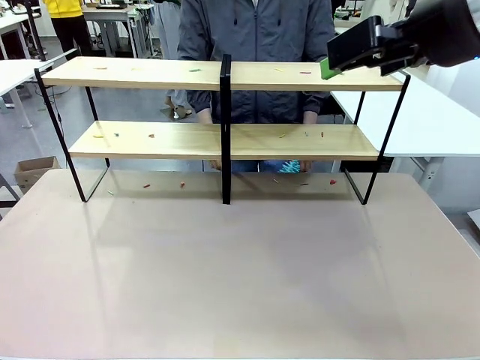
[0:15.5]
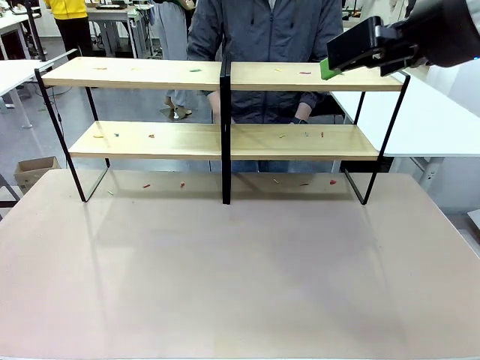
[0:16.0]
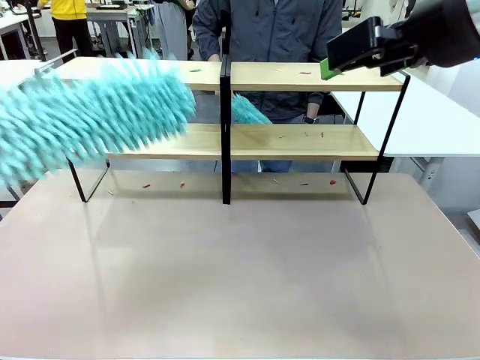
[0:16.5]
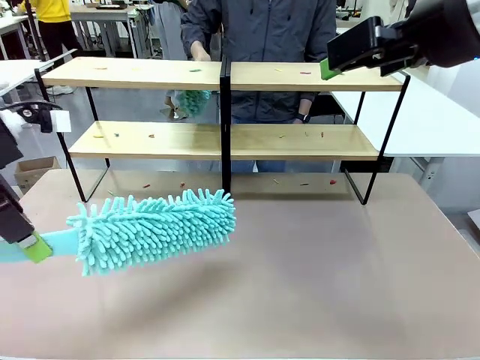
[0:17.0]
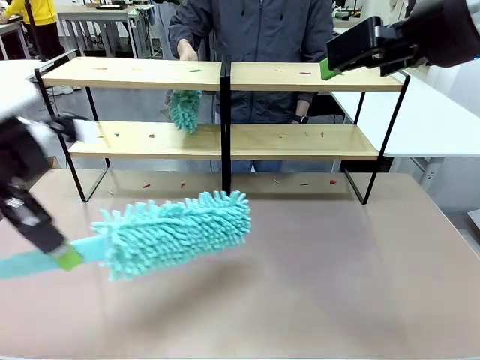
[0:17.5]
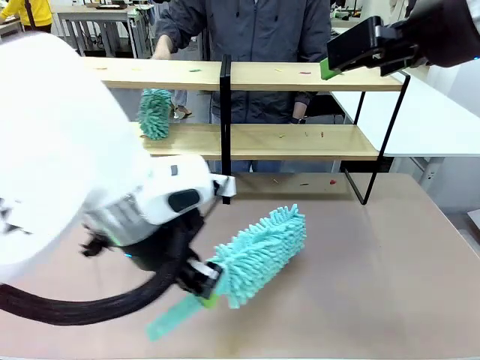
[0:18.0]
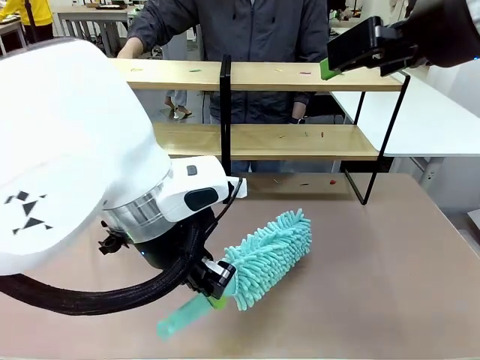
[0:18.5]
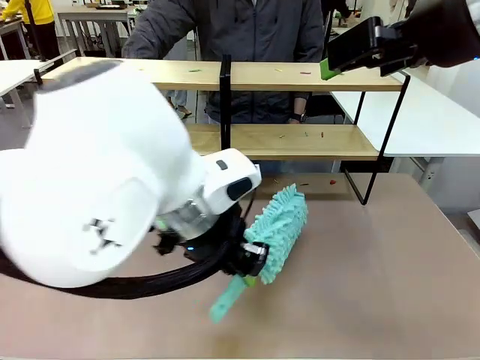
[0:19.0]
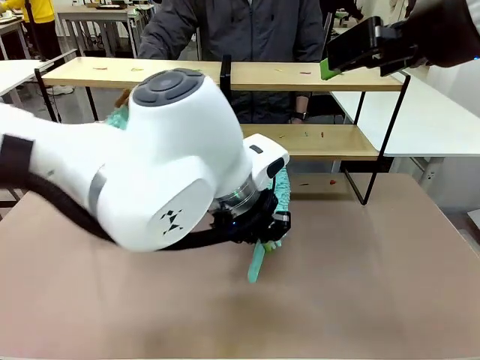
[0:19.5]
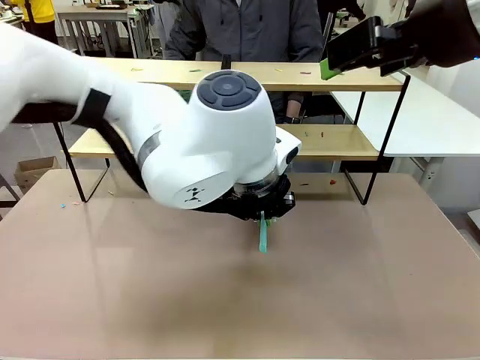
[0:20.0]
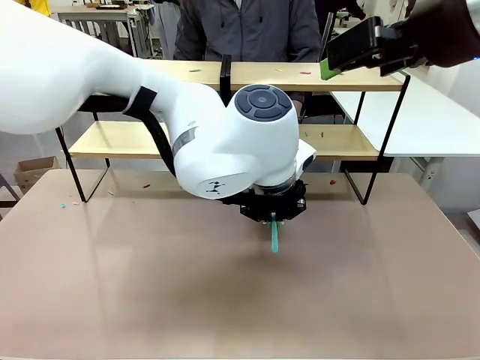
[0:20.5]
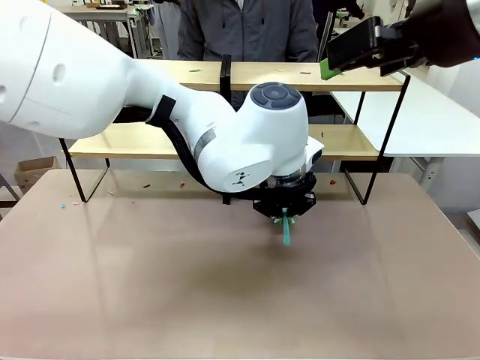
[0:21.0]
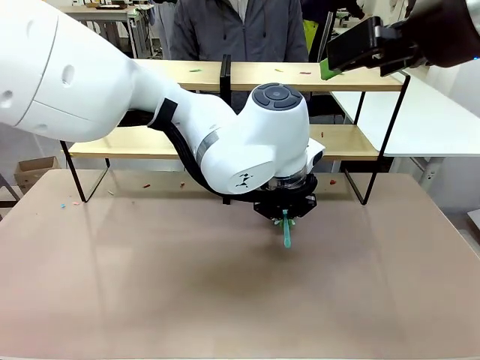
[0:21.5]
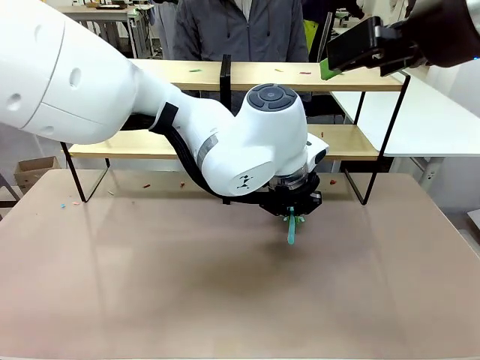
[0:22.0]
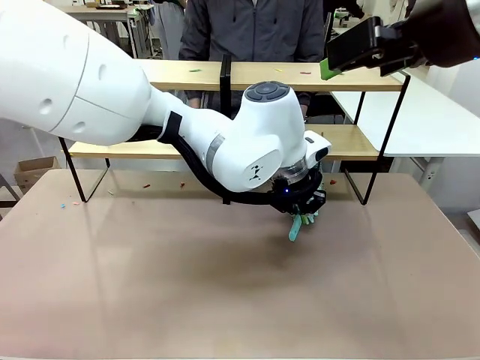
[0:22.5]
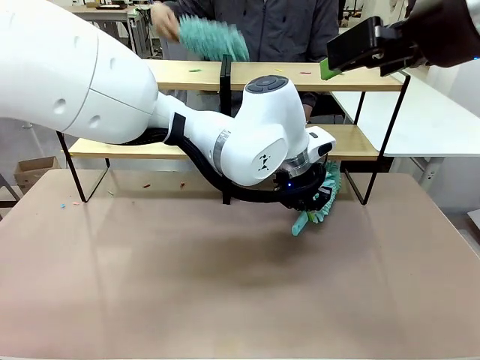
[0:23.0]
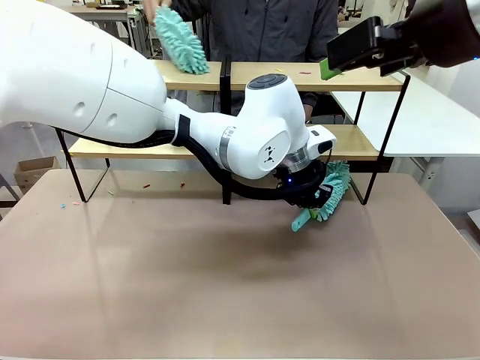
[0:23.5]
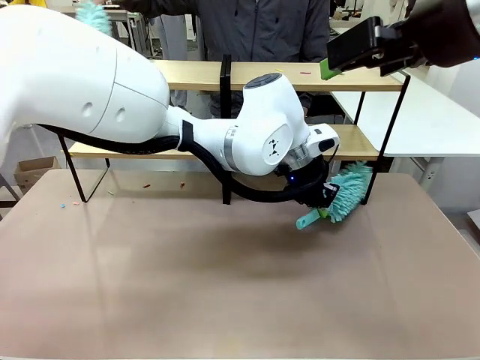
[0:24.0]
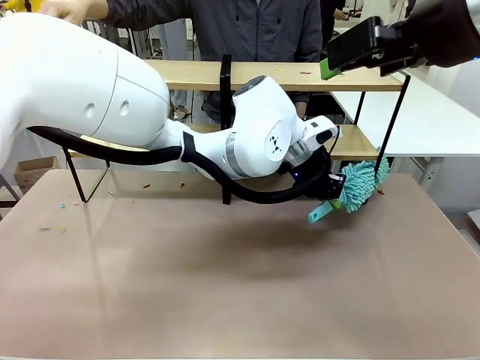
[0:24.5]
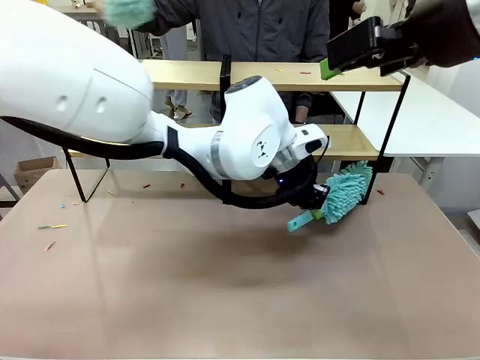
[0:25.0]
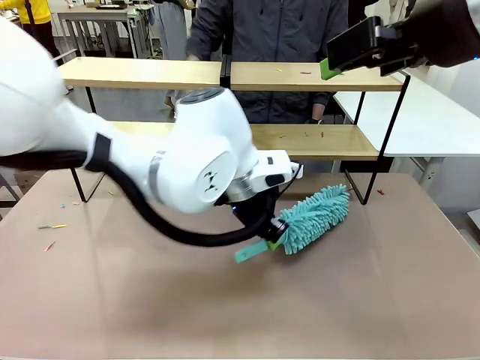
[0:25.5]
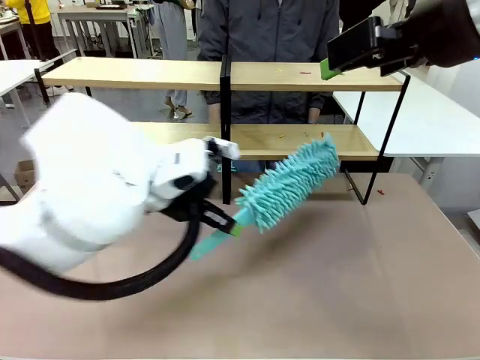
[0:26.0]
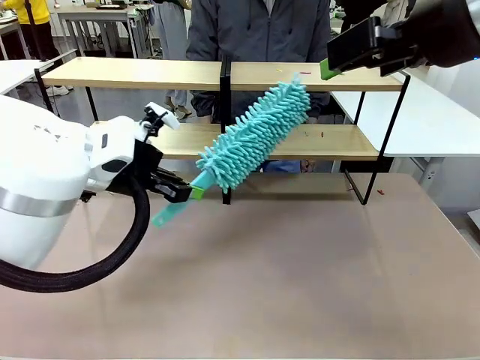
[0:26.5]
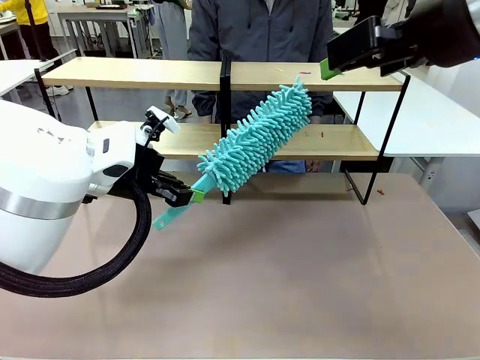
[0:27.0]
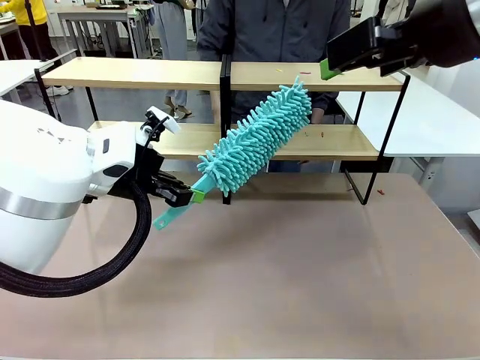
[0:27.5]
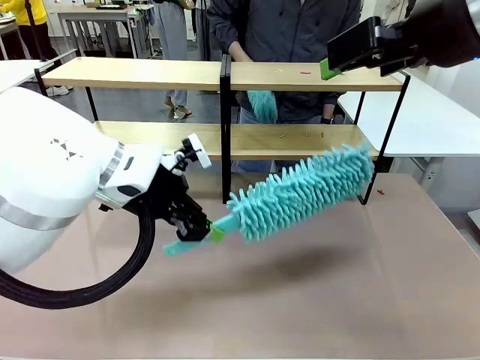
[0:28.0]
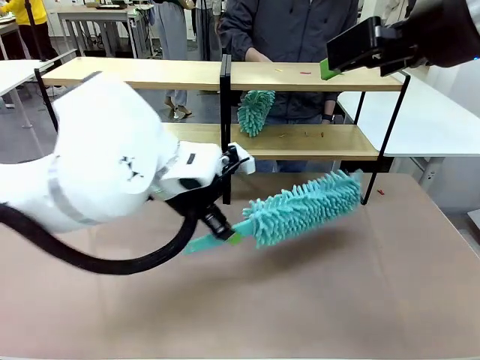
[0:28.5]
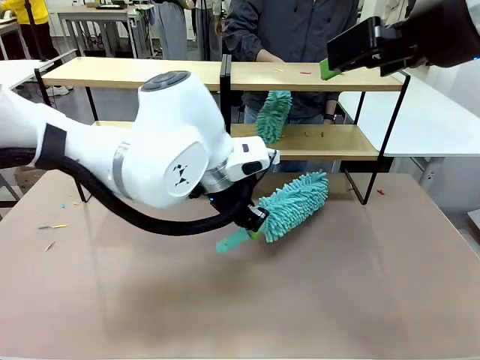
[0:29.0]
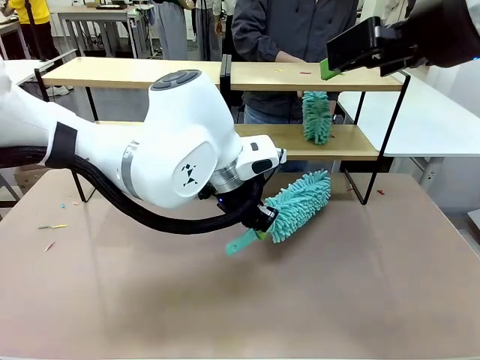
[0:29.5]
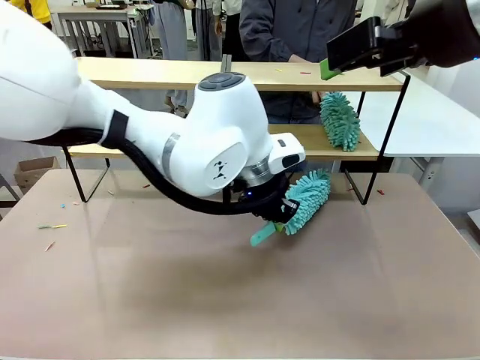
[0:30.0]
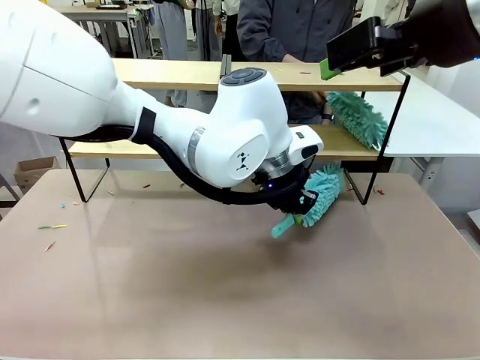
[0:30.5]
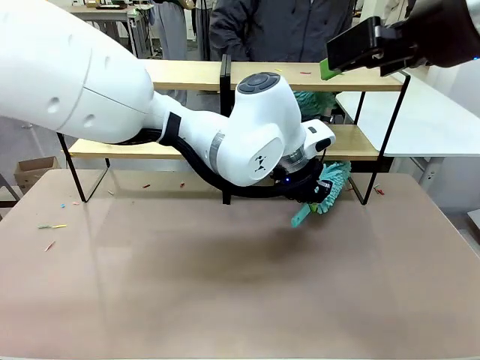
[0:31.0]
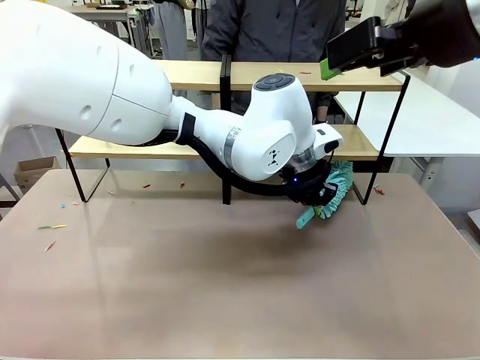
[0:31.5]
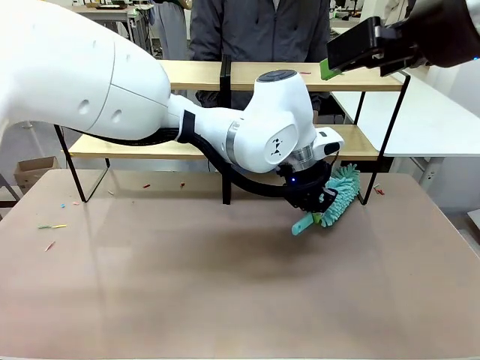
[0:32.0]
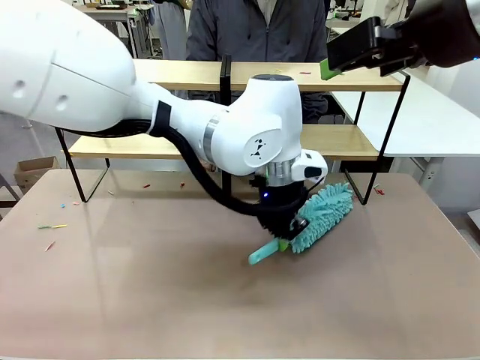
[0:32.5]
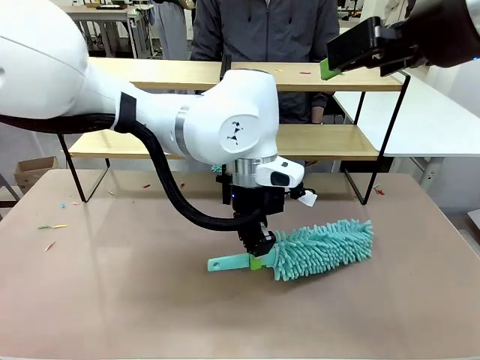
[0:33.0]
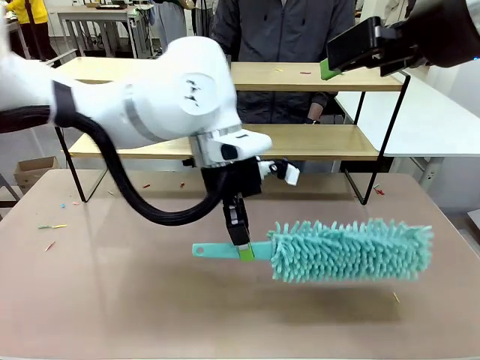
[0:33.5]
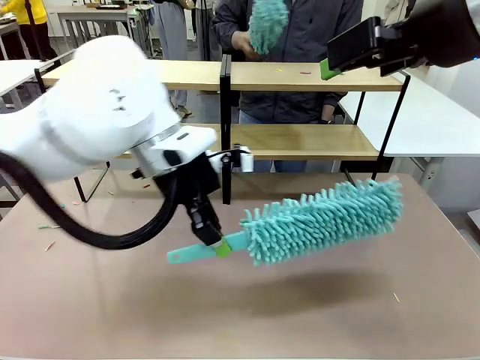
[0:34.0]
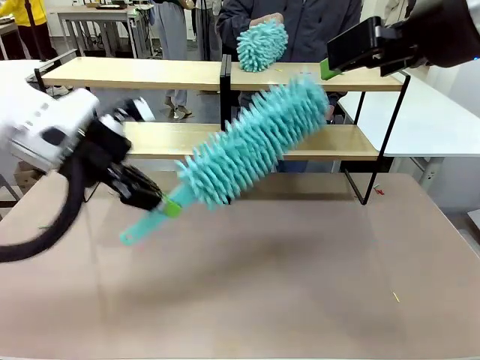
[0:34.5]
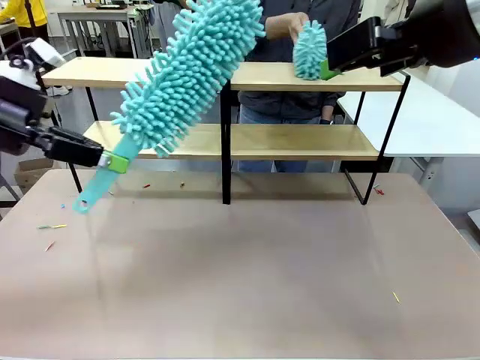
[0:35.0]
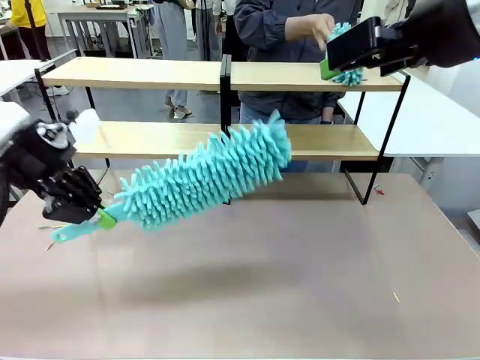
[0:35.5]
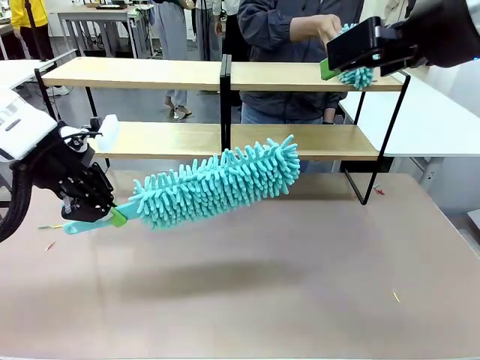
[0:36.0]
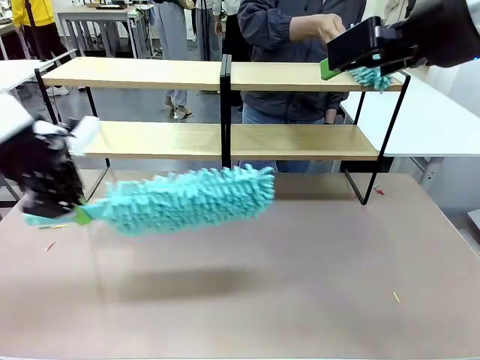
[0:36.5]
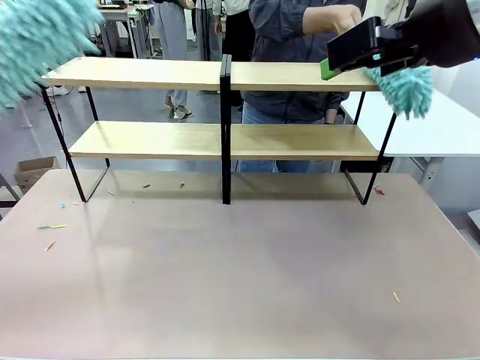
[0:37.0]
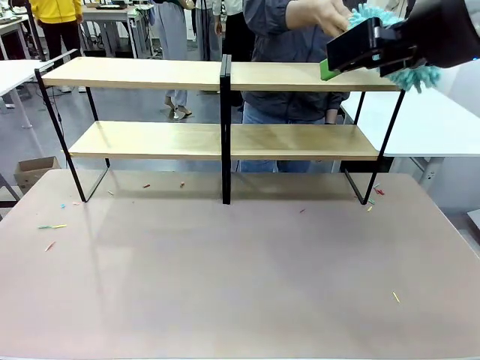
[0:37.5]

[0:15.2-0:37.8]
Task: Clean the shelves.
Robot: Clean a randomly selected level of the Shelf with the Duster.
Person: Clean a randomly selected level of the Shelf with the Duster.
